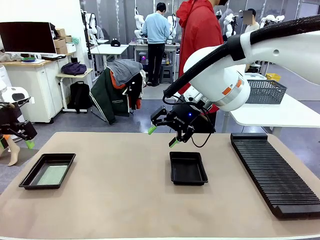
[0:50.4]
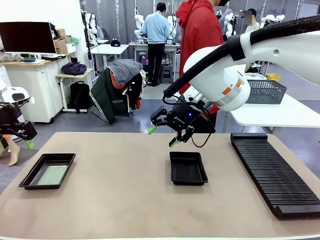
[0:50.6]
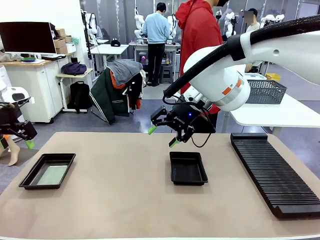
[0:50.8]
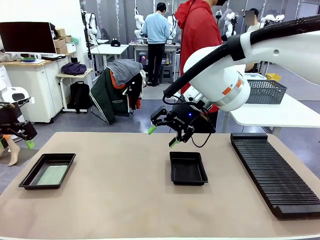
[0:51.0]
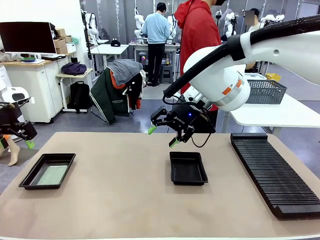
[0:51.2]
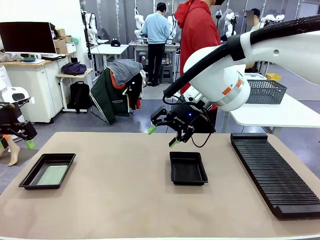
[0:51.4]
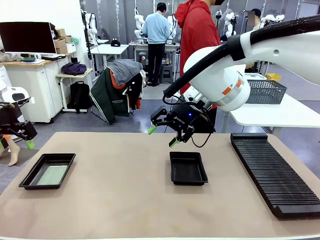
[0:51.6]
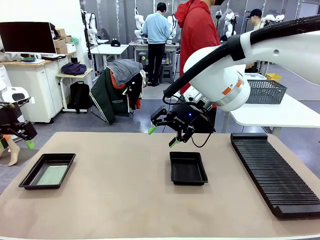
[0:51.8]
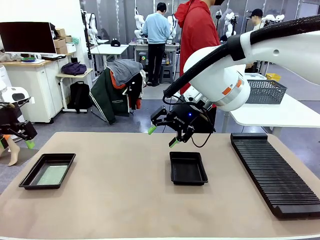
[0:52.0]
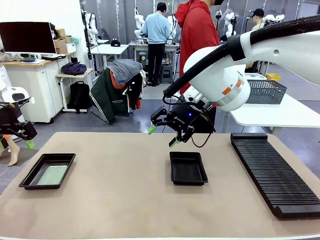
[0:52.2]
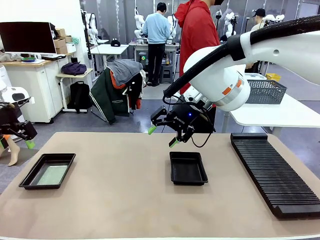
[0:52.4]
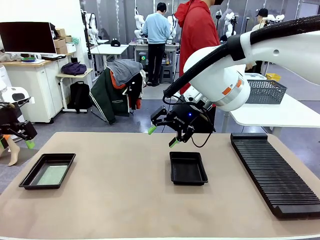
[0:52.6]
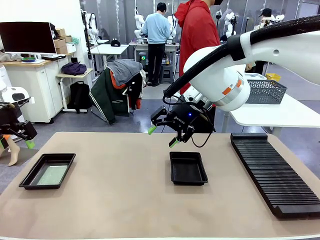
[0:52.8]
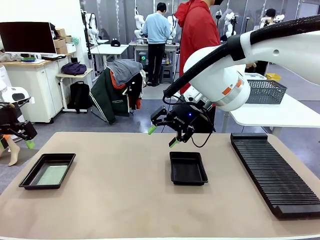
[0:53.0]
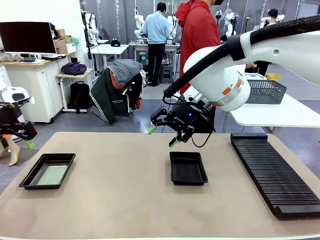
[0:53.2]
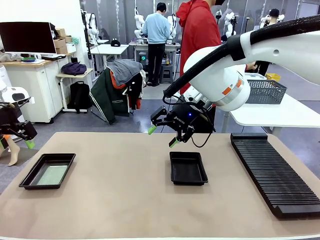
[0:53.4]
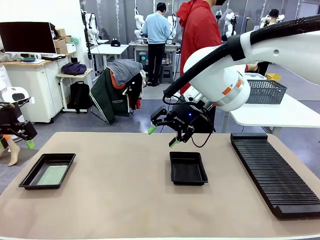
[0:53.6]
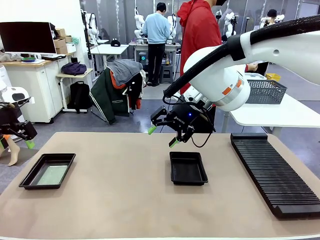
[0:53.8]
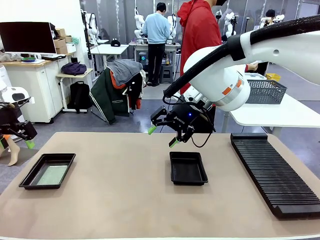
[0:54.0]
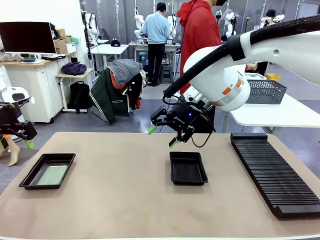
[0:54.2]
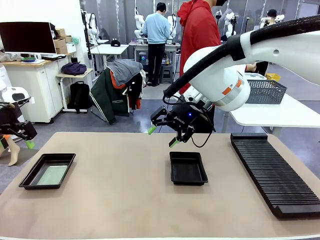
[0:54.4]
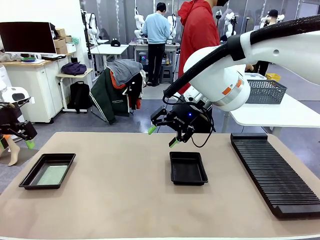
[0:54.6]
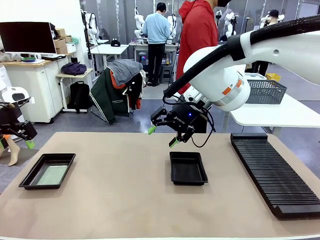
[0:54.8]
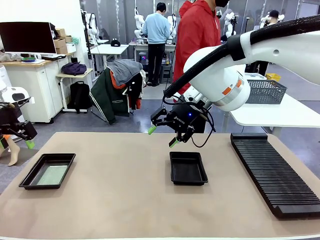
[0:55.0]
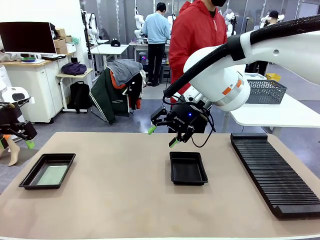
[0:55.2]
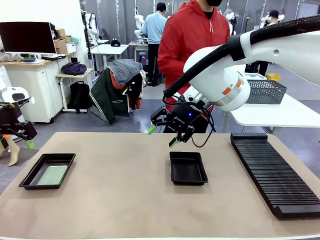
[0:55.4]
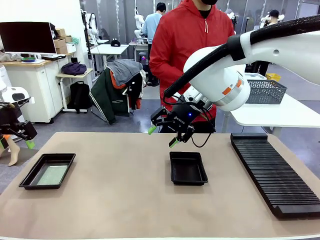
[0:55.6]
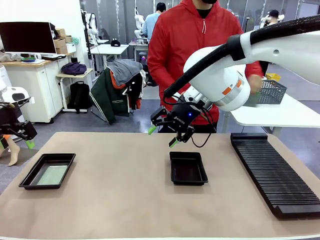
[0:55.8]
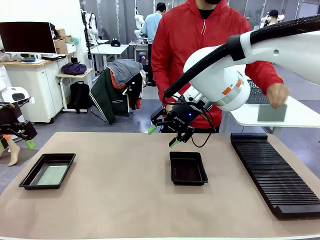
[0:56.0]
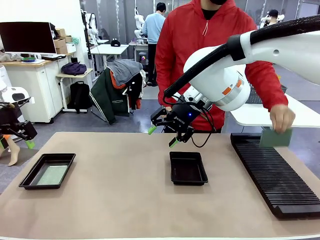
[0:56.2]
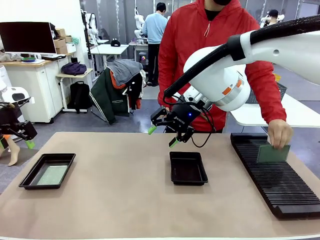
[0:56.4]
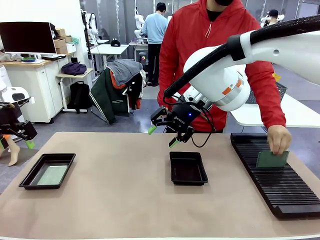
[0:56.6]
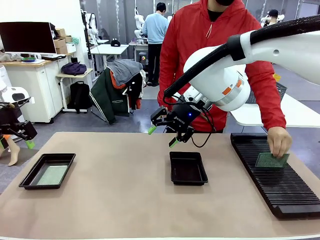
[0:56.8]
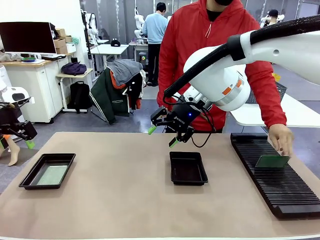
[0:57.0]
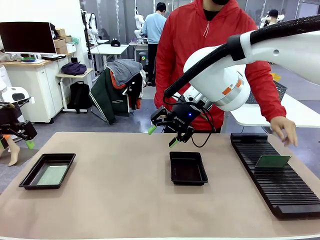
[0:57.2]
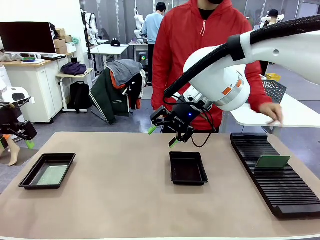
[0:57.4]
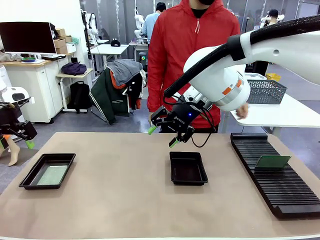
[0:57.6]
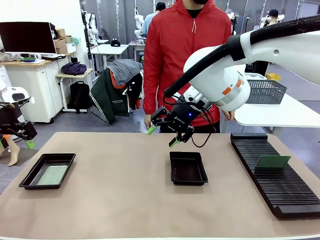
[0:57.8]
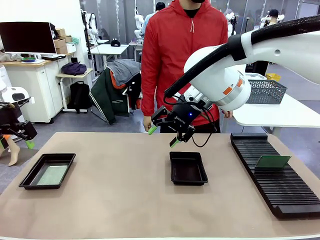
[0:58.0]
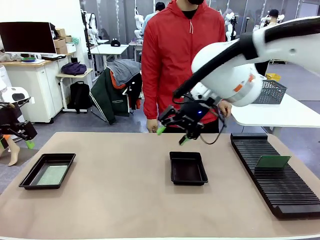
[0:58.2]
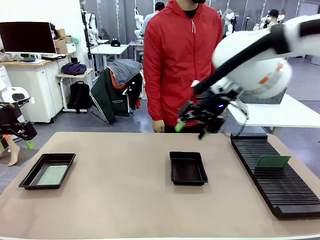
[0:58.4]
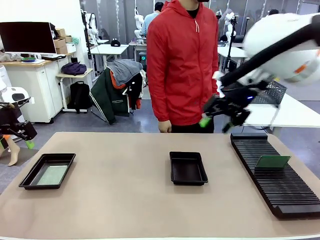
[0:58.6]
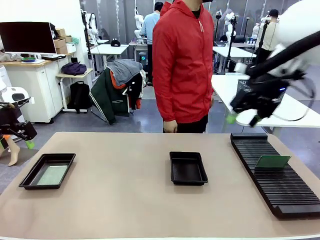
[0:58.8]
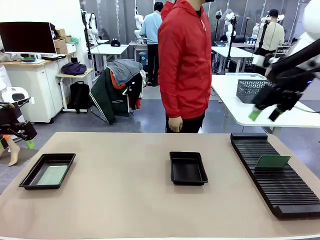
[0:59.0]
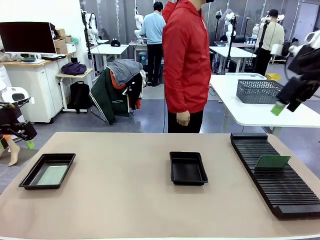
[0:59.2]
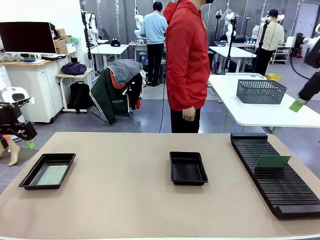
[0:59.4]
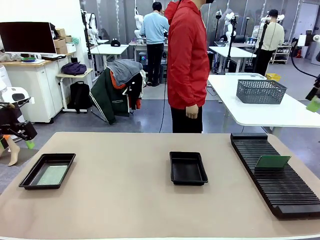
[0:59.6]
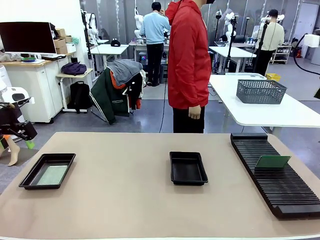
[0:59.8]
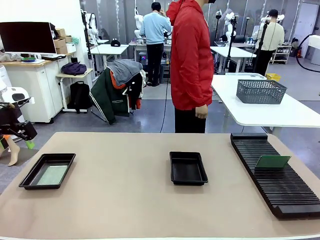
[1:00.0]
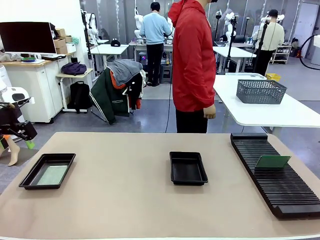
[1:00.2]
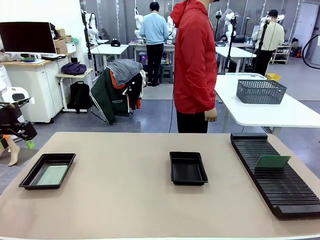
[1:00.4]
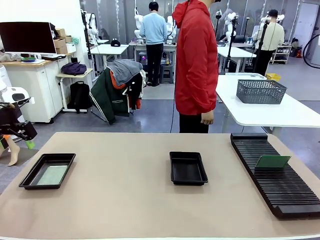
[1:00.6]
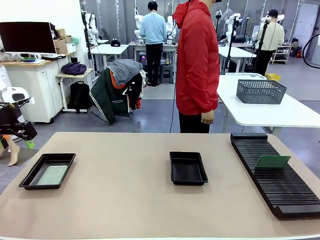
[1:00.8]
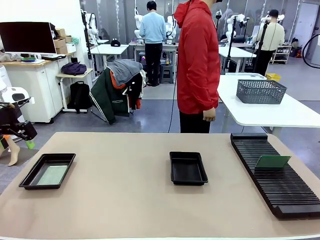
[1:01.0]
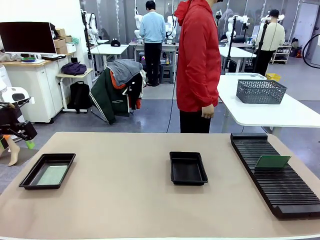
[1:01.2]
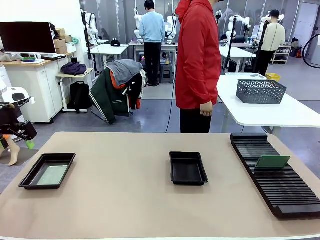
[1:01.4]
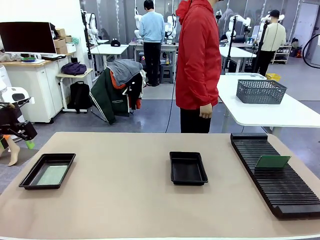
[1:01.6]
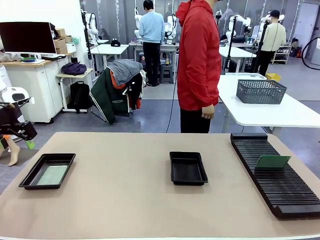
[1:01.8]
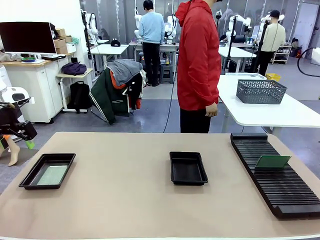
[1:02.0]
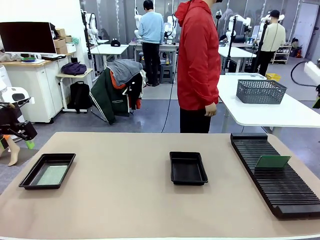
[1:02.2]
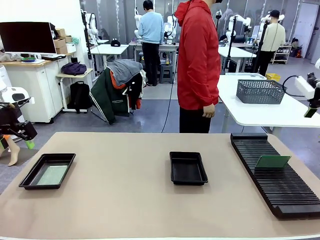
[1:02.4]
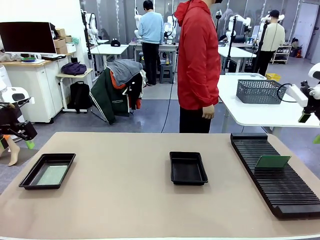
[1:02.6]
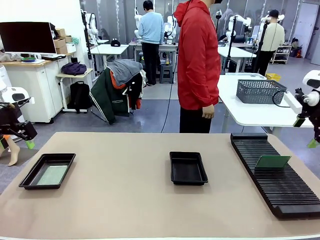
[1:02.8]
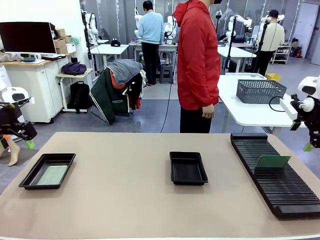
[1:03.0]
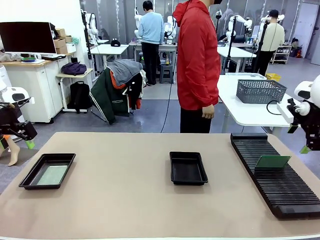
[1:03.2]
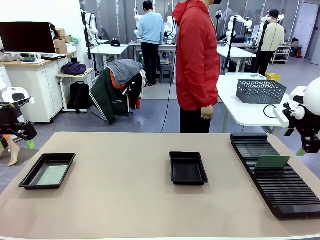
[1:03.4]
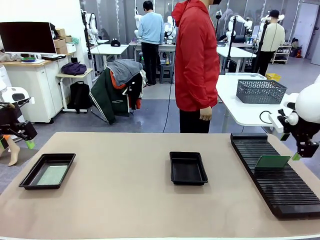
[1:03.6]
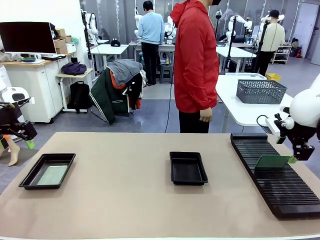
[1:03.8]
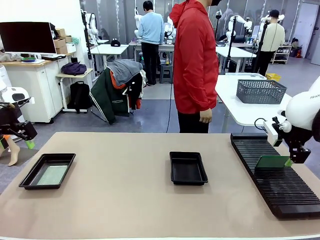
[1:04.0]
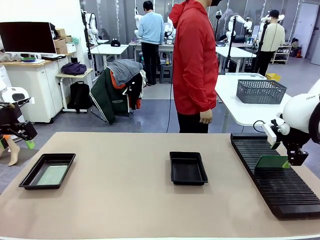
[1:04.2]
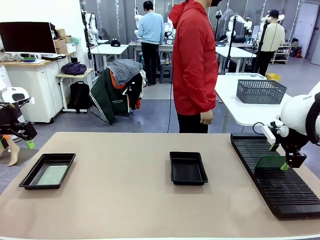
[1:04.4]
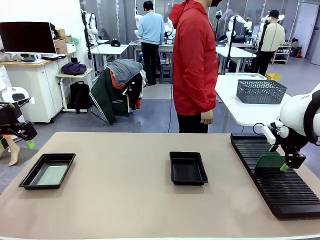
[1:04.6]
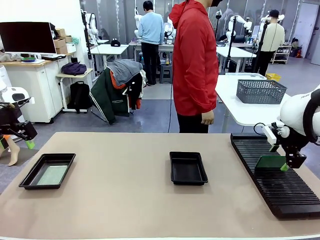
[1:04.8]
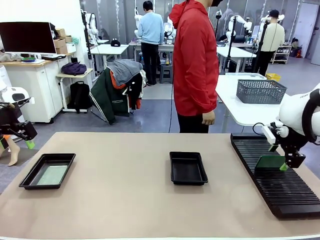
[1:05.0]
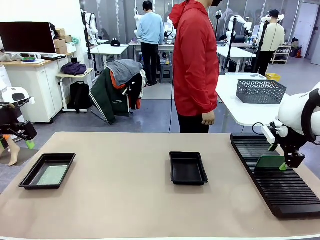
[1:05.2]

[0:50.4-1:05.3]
Task: Inspect and transfer BCBs to ESD trays.
Robot: Pick up the Blank PCB from the PCB Rack and place it in the right ESD tray.
